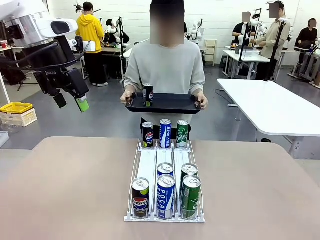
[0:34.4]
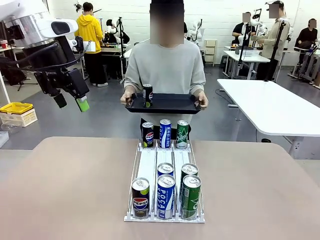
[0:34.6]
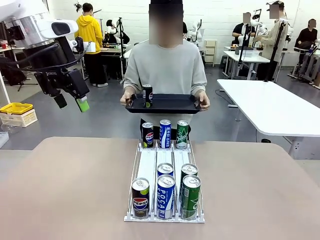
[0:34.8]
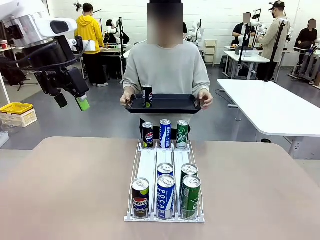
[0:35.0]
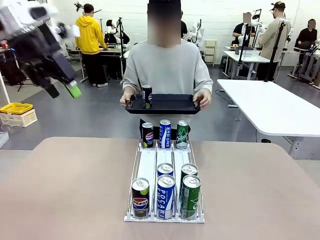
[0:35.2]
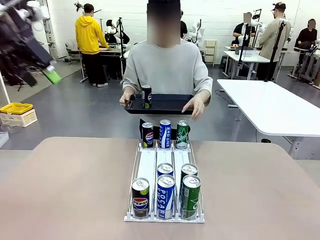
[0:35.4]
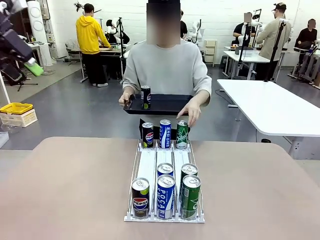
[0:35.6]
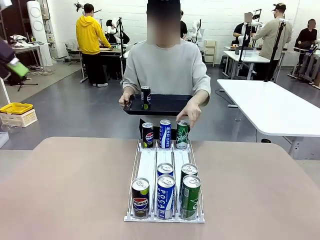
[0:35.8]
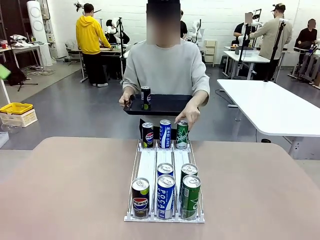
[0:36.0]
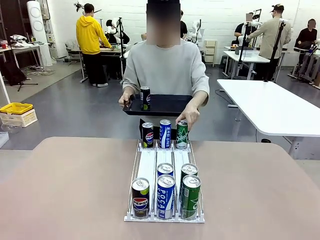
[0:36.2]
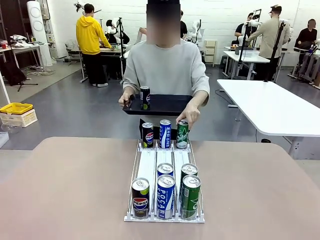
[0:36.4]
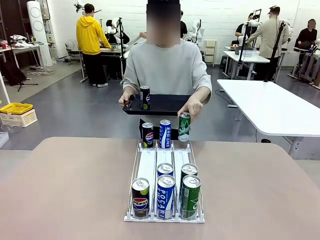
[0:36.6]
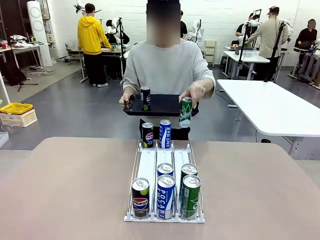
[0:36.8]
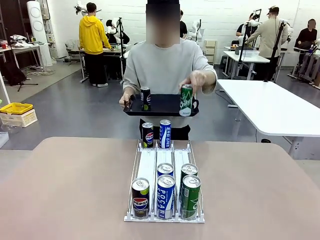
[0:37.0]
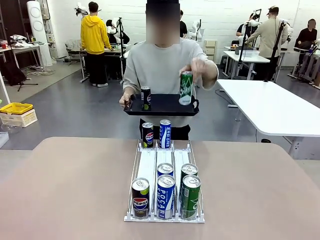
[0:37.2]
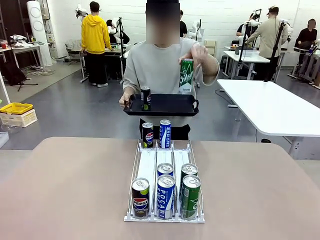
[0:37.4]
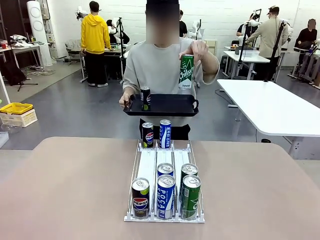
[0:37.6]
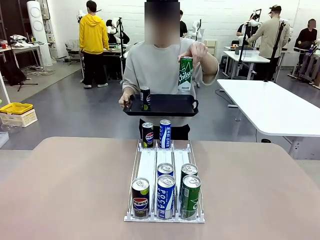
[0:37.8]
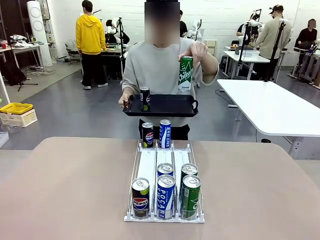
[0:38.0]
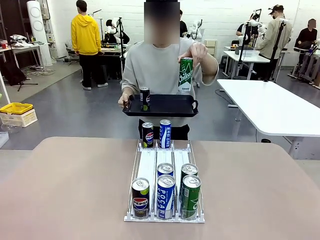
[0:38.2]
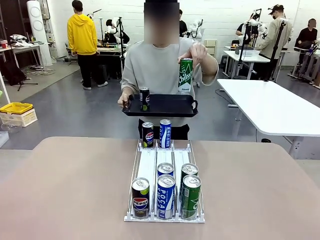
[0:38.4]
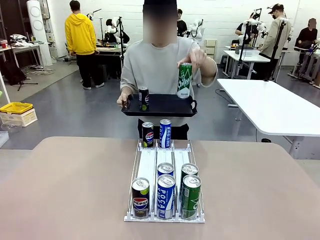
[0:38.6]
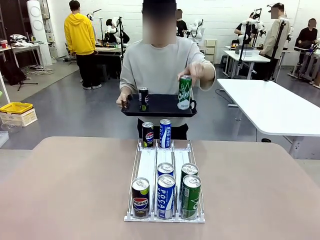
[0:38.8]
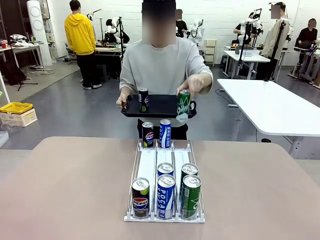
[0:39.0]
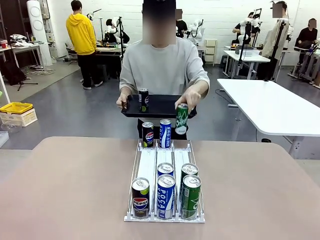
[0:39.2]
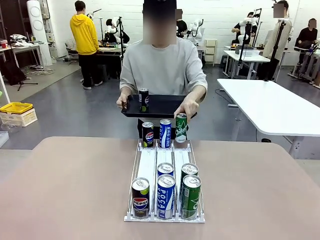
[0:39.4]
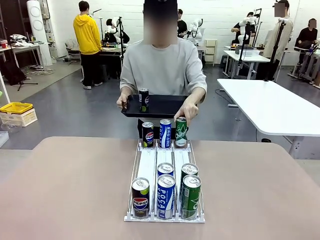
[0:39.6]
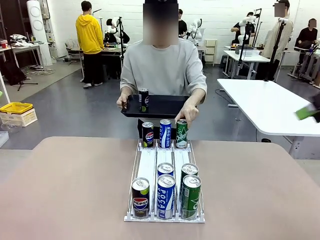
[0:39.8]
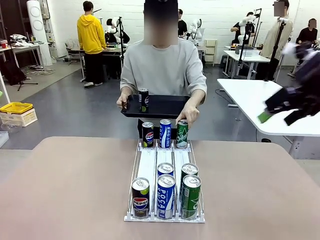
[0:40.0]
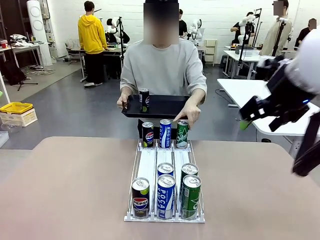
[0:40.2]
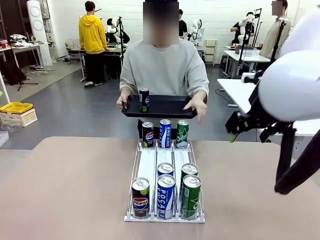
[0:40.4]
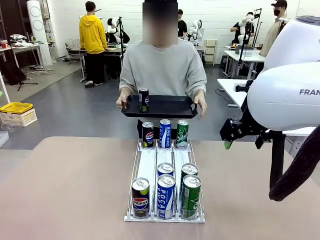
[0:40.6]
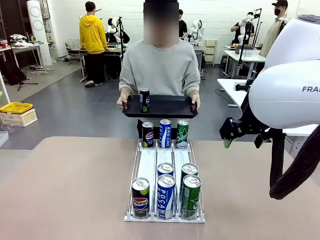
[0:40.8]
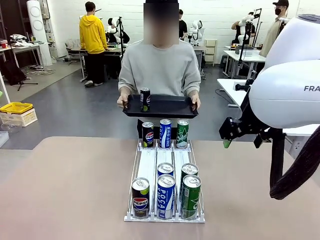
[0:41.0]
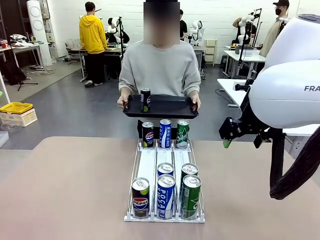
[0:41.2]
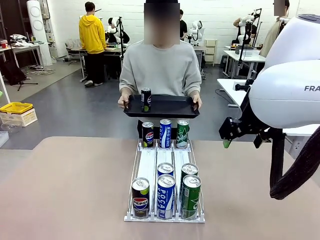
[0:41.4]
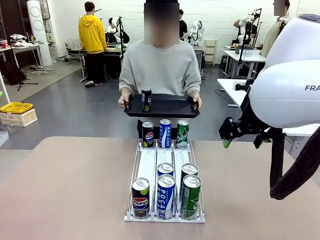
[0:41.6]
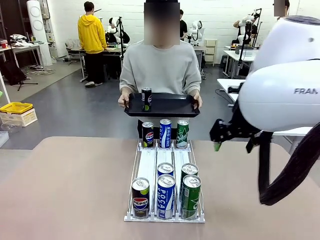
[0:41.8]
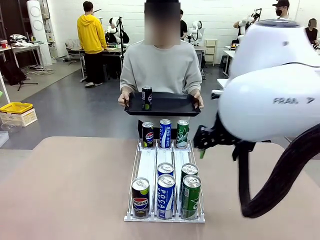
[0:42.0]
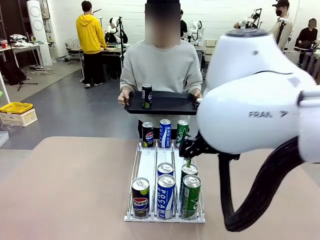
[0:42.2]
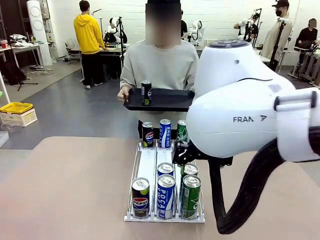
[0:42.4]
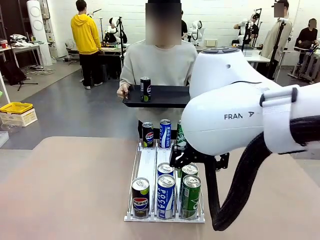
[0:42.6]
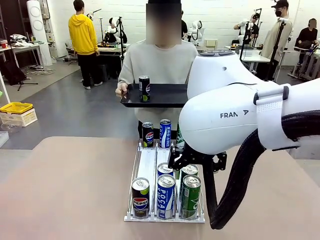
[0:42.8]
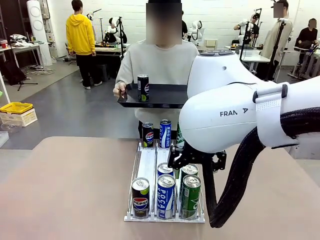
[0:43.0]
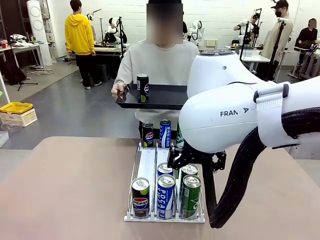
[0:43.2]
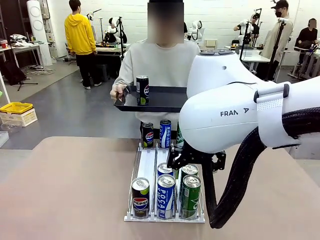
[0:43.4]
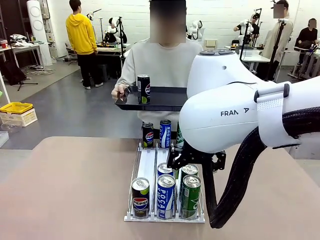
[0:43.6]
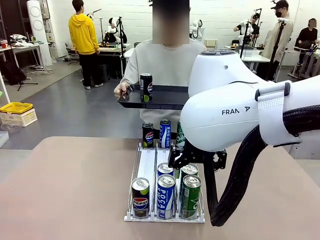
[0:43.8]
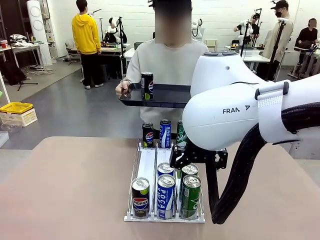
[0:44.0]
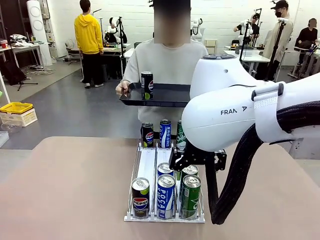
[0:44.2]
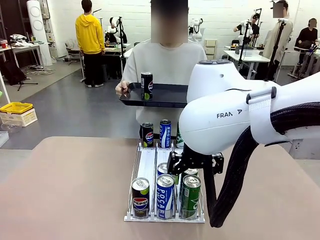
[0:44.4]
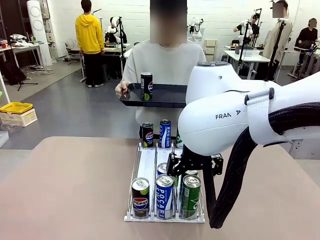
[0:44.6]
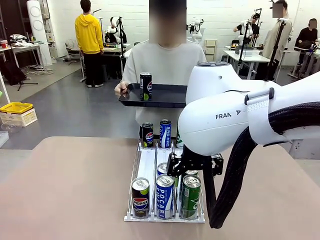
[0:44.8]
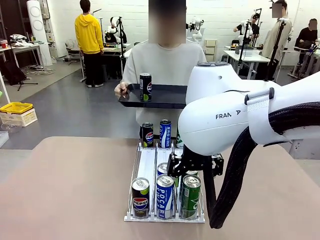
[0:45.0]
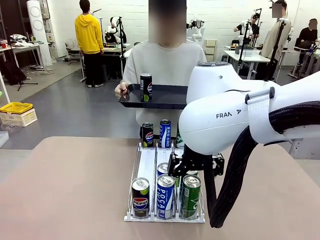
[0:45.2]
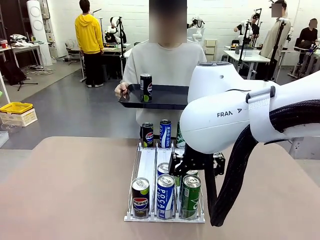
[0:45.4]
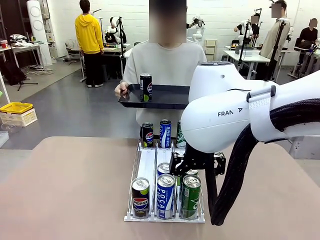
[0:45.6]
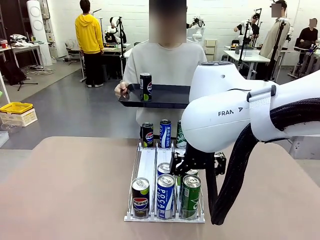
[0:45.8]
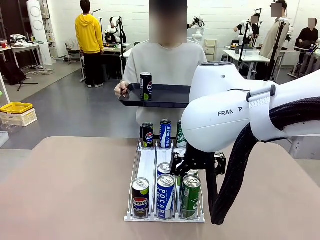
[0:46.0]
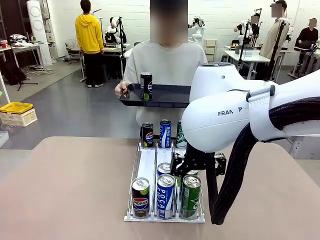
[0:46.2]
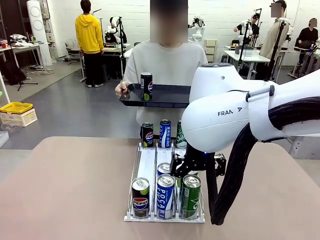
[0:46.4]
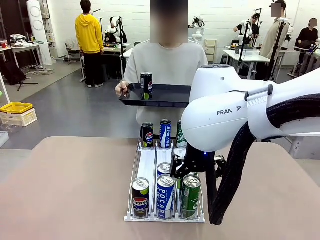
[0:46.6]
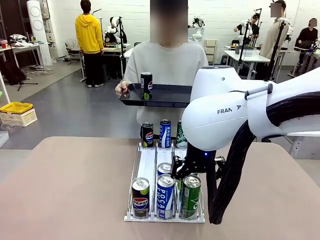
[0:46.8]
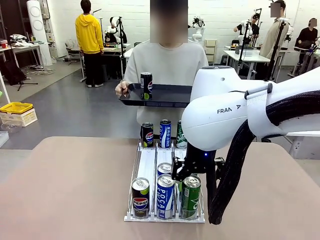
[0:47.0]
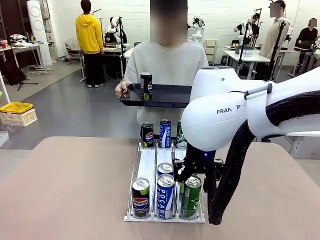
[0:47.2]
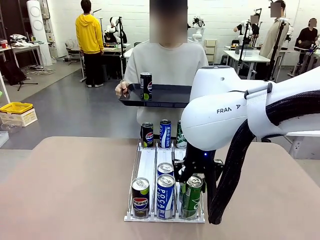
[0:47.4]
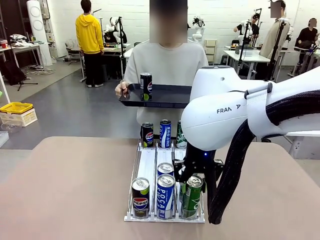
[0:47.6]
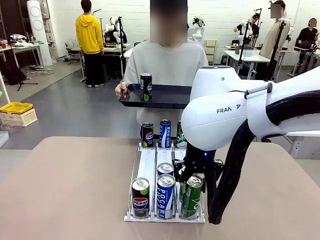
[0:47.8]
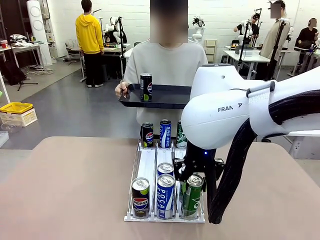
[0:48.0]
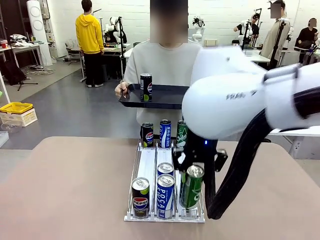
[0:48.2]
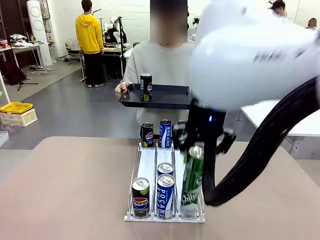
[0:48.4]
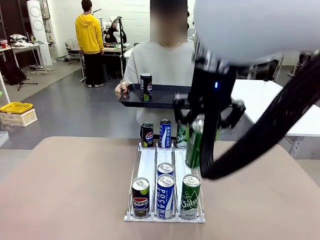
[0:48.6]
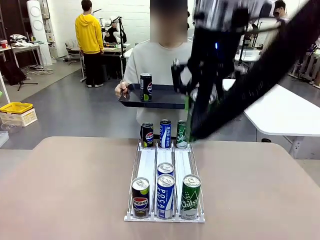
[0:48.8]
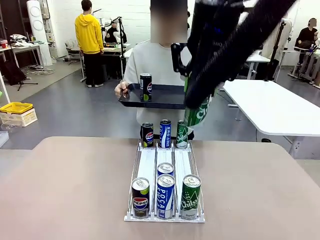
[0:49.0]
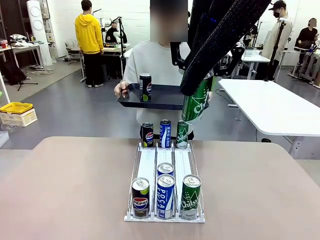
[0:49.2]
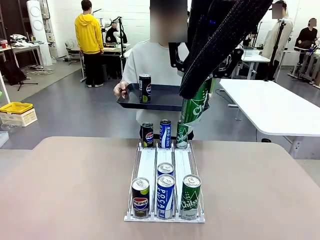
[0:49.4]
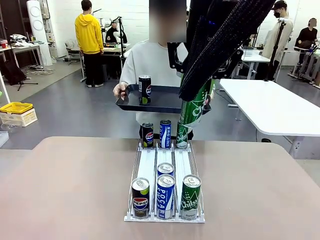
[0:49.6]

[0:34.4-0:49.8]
Task: Retrieve and hand over the desired beverage to the person.
Robot: Pick up another can of the same type that the person held from the Automatic Can Dispenser.
Person: Pull the tray back, then pick up another can from the bottom area of the table and puts it back in its original place. Push the tray toward the robot again.

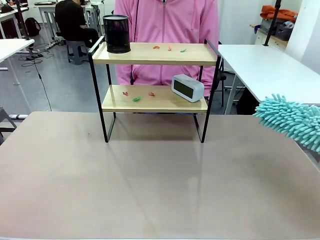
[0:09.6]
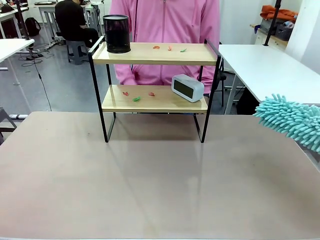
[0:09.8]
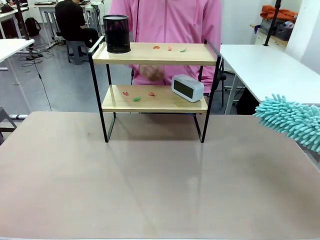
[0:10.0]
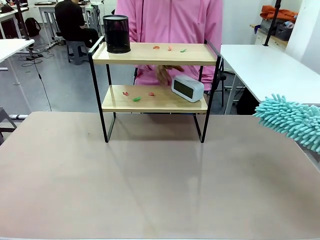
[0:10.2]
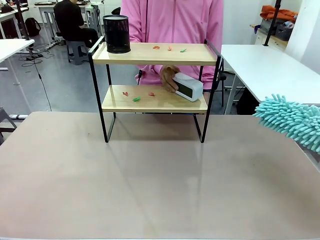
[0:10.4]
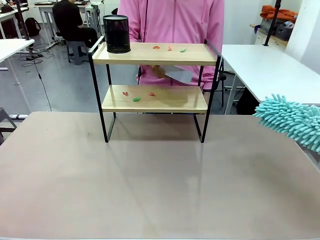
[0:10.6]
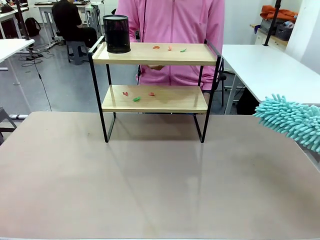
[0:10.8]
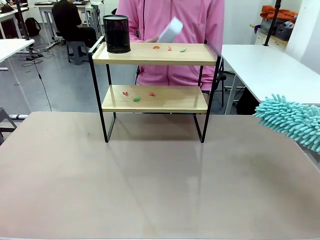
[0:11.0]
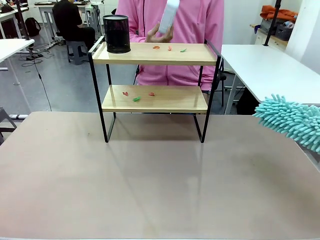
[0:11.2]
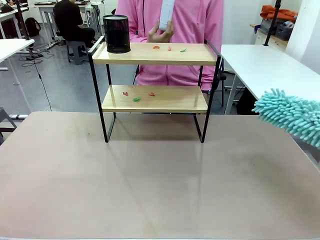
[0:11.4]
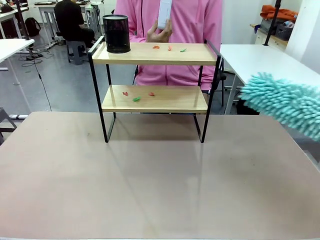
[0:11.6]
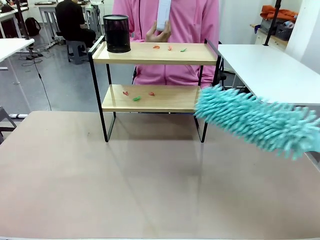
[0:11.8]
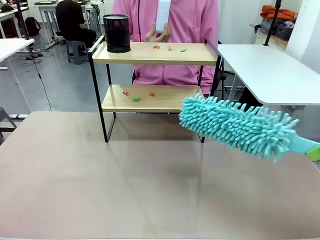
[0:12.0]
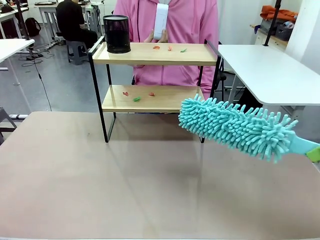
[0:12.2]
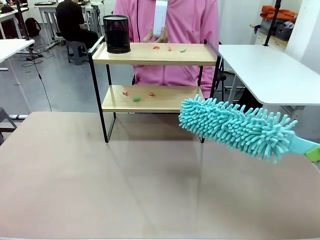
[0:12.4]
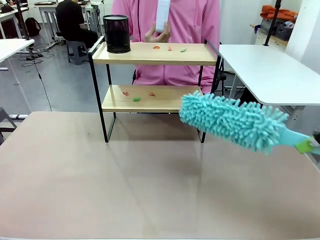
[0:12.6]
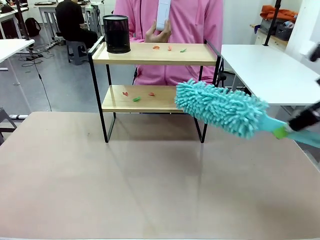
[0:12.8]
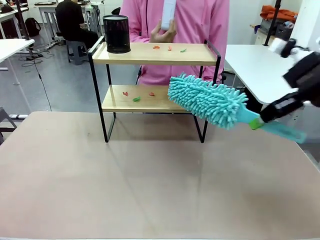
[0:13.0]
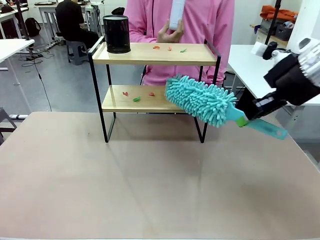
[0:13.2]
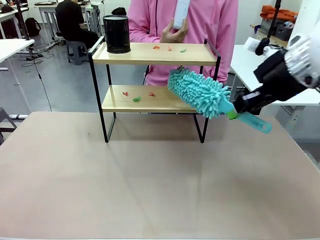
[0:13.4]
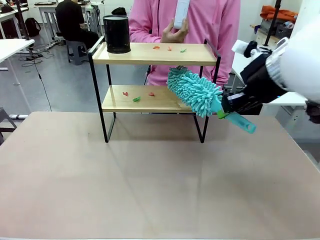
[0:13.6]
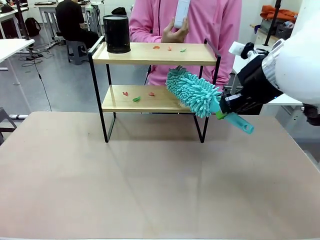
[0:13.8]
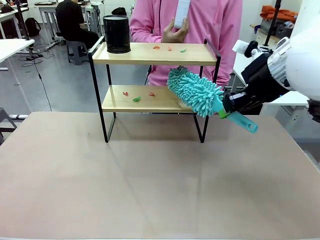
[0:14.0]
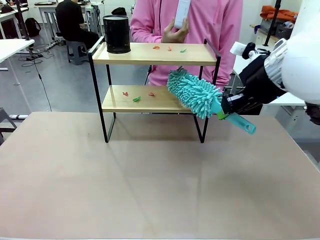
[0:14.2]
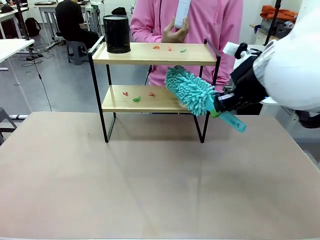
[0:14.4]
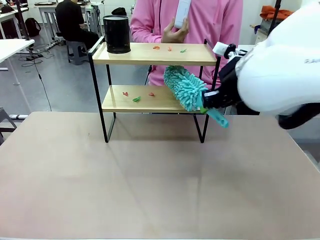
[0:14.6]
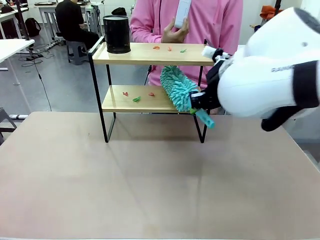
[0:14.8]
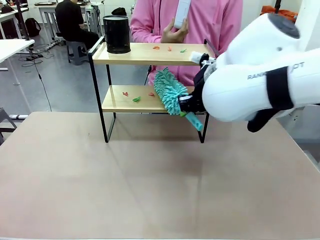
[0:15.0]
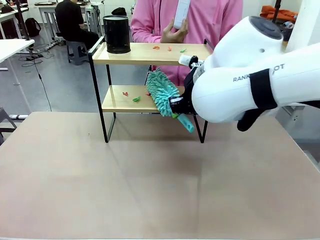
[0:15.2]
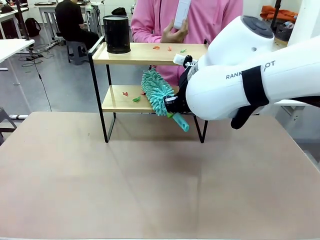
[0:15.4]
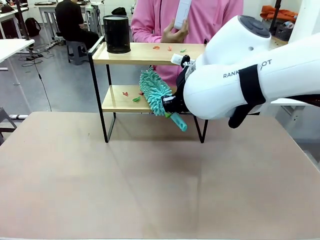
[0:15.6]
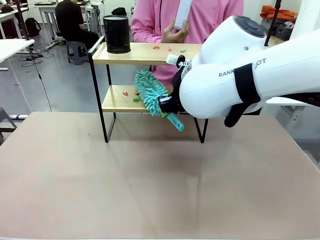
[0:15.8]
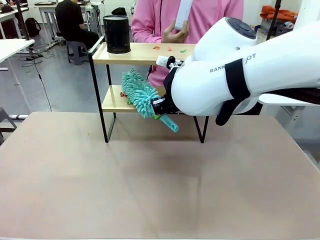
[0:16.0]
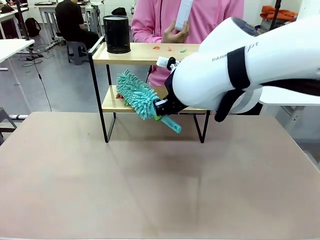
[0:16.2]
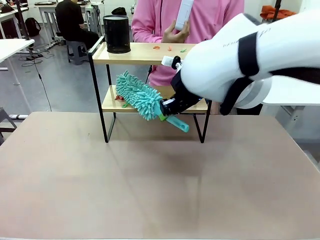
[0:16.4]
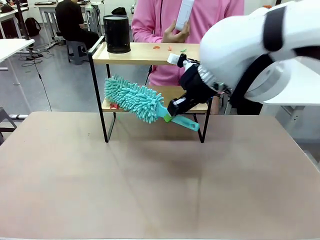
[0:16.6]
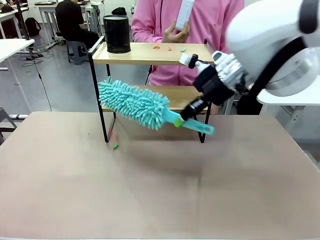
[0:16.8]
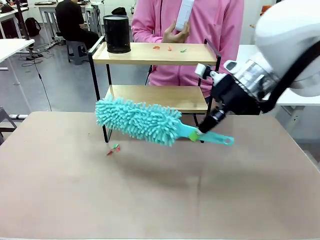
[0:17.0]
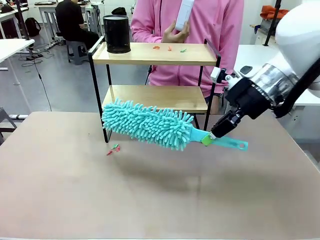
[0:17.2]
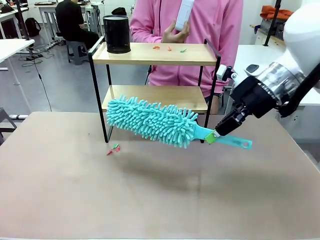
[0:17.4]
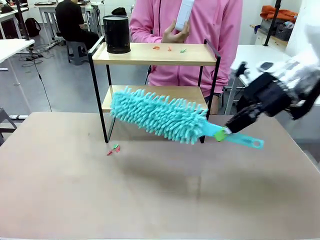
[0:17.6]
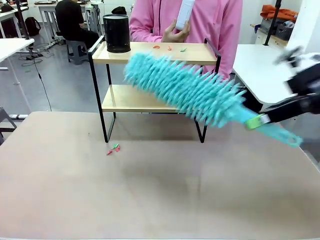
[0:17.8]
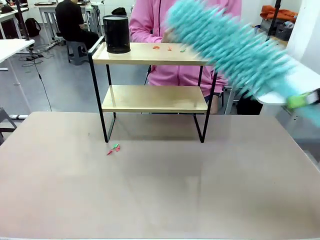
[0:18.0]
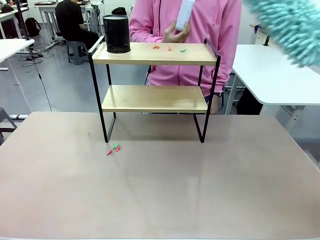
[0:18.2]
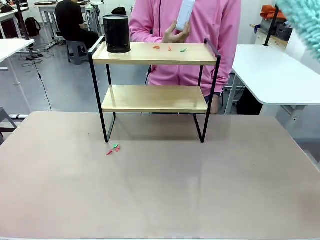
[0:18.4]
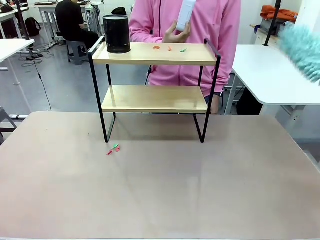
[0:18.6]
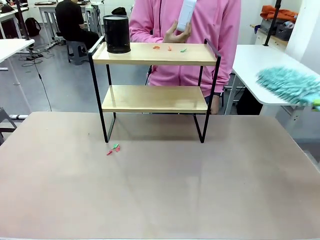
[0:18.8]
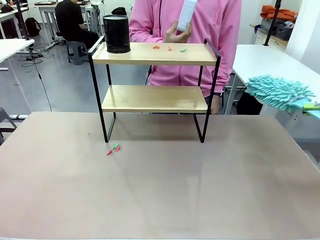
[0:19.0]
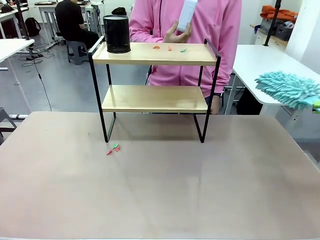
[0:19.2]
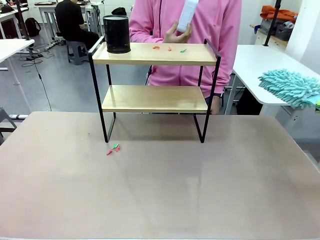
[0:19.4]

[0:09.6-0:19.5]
Task: Clean the shelf.
Robot: Clean the specific tier of the Shelf with the Duster once objects are removed.
Person: Lift the objects on a randomly selected tier of the Shelf. Once the robot finishes cleaning, lift the objects on the remaining tiers of the Shelf.
